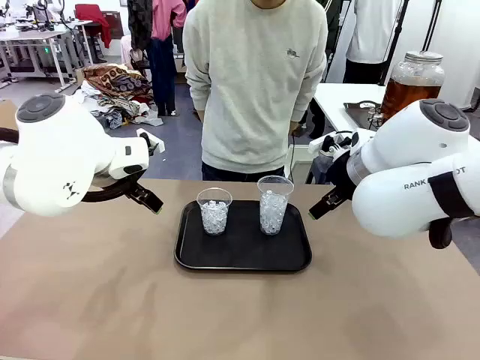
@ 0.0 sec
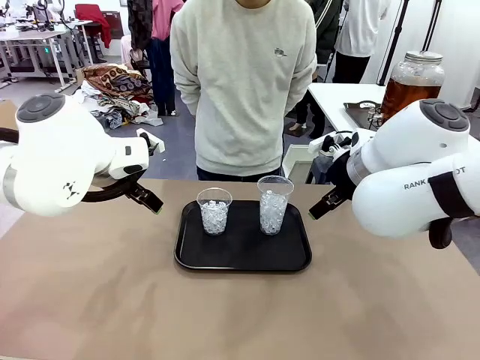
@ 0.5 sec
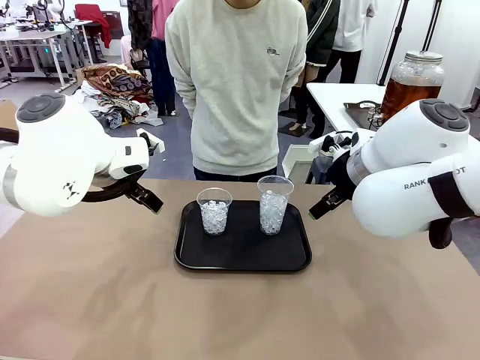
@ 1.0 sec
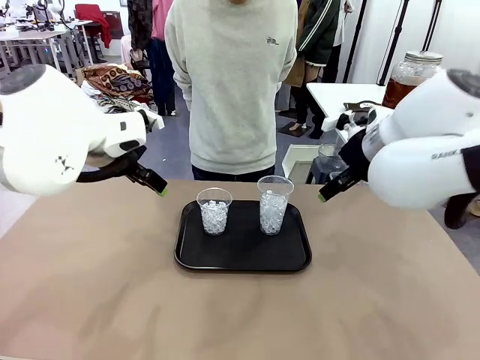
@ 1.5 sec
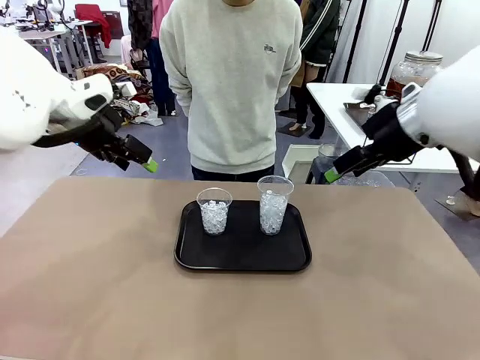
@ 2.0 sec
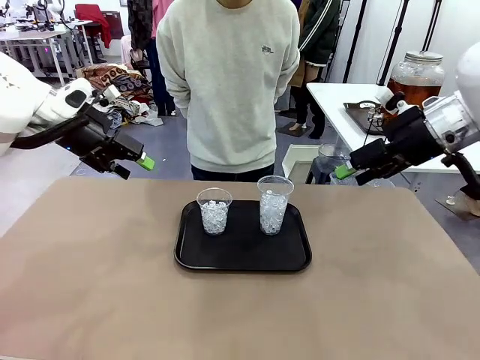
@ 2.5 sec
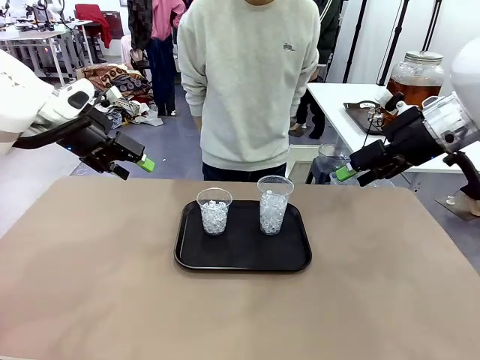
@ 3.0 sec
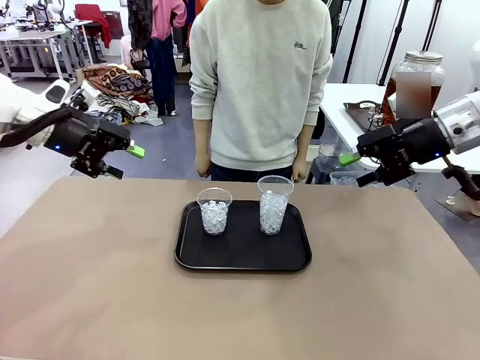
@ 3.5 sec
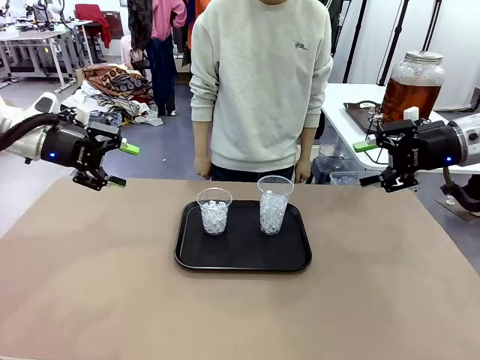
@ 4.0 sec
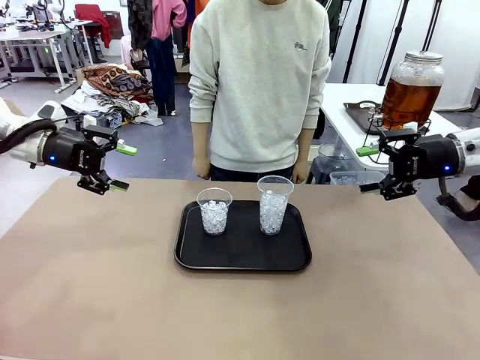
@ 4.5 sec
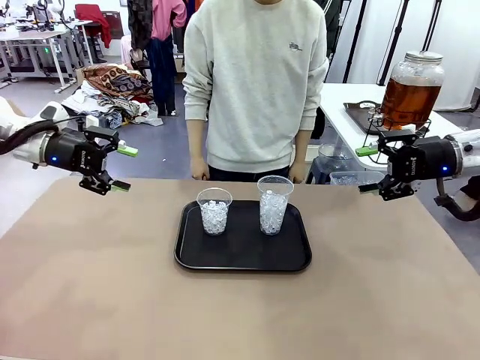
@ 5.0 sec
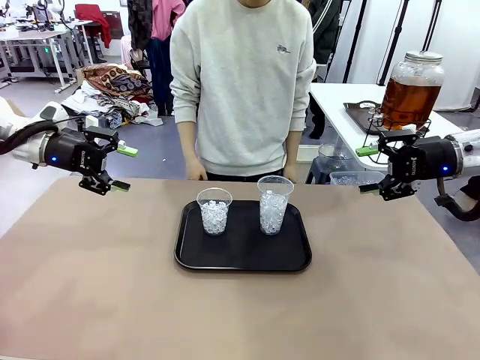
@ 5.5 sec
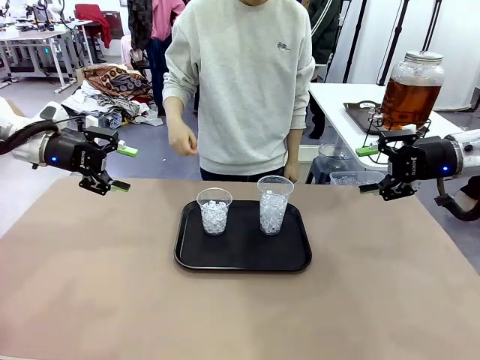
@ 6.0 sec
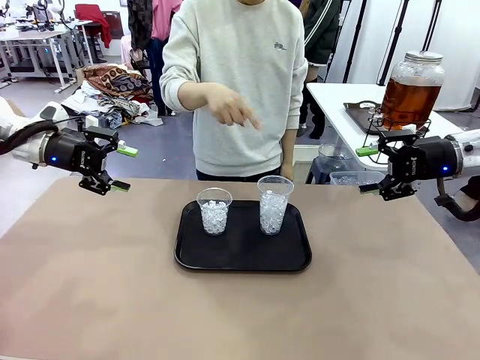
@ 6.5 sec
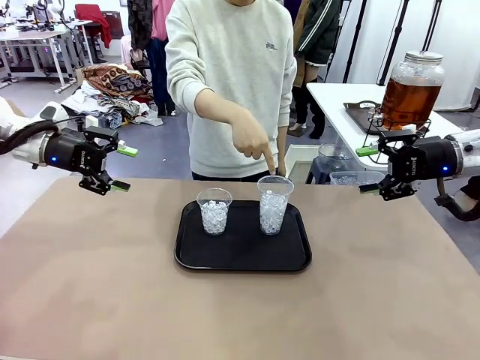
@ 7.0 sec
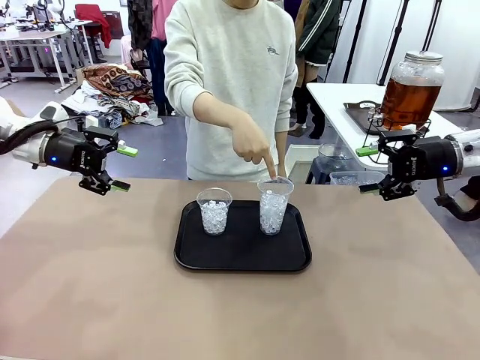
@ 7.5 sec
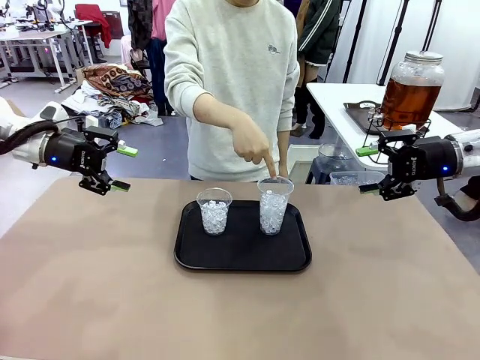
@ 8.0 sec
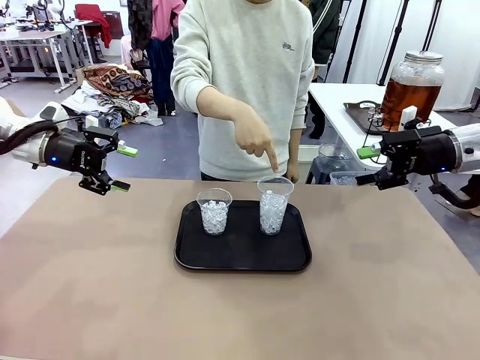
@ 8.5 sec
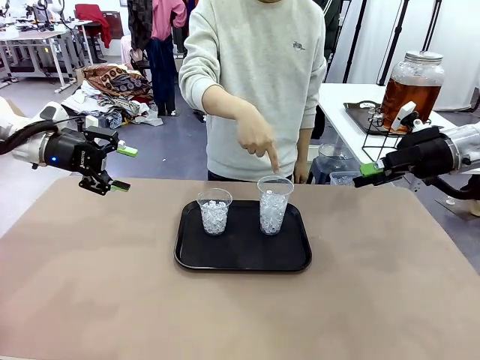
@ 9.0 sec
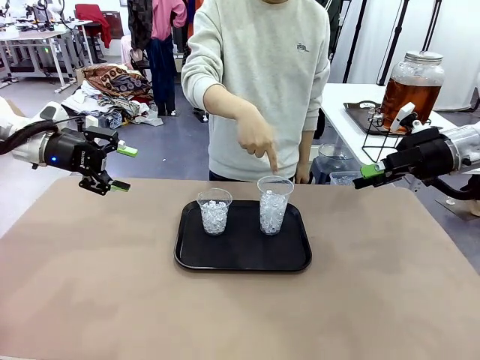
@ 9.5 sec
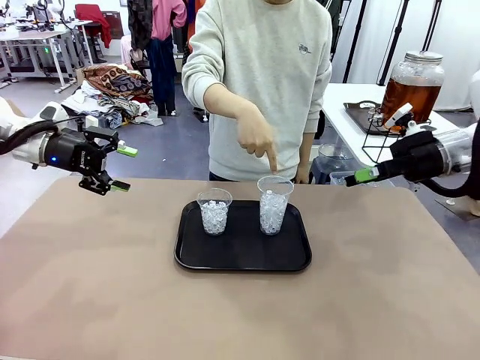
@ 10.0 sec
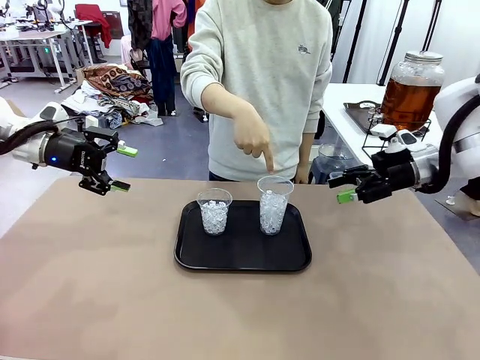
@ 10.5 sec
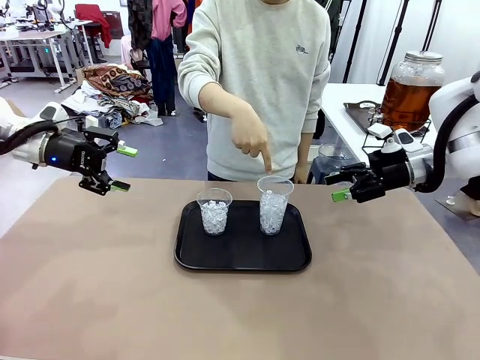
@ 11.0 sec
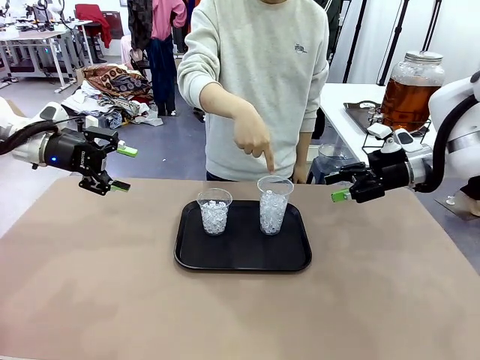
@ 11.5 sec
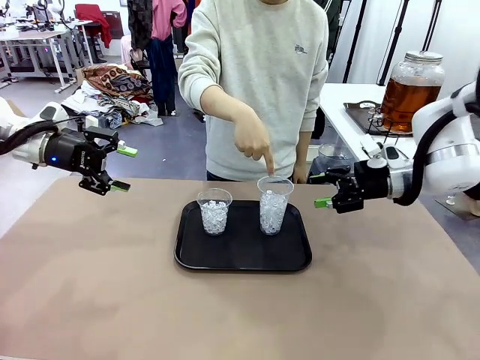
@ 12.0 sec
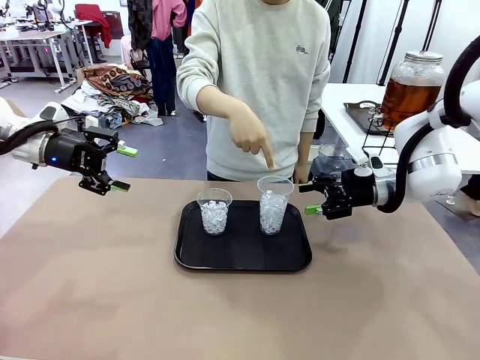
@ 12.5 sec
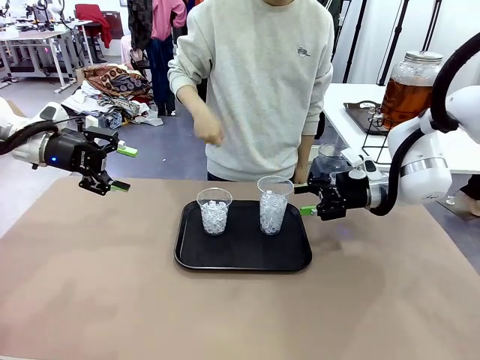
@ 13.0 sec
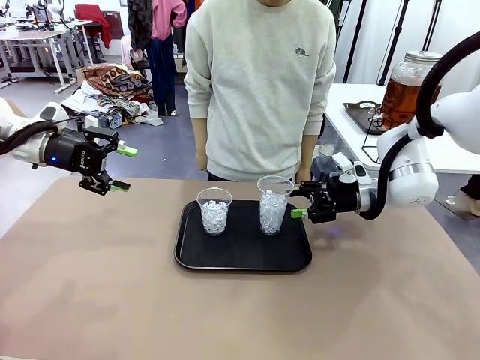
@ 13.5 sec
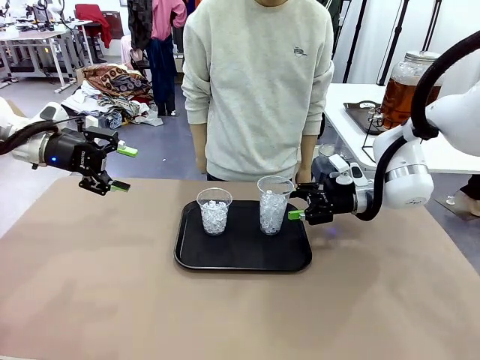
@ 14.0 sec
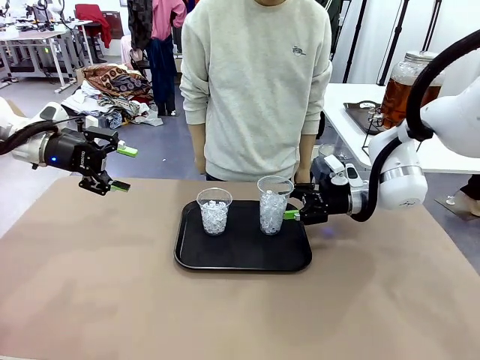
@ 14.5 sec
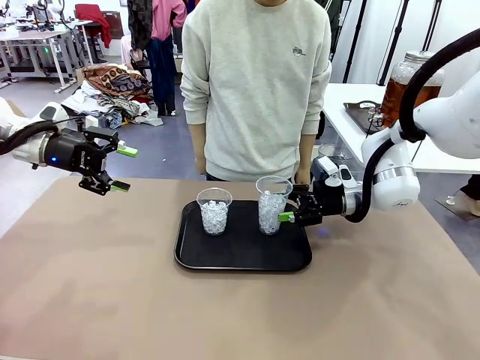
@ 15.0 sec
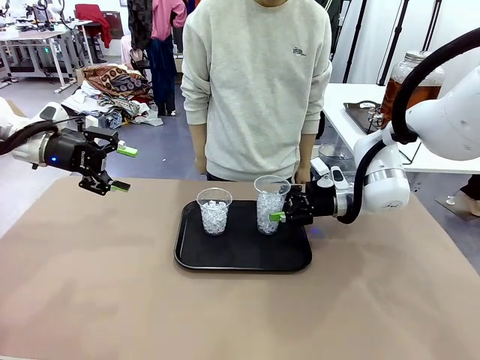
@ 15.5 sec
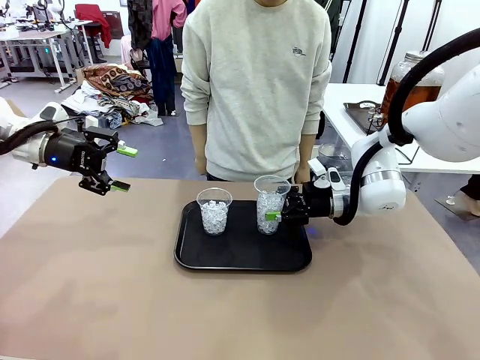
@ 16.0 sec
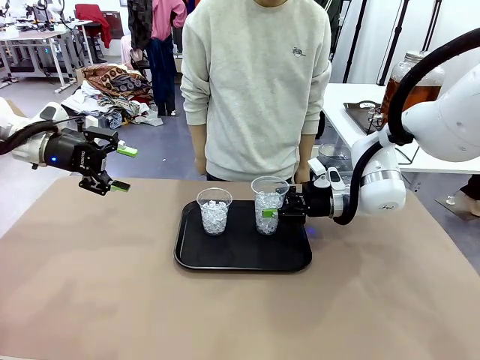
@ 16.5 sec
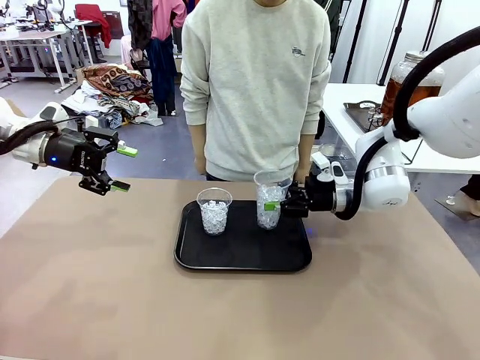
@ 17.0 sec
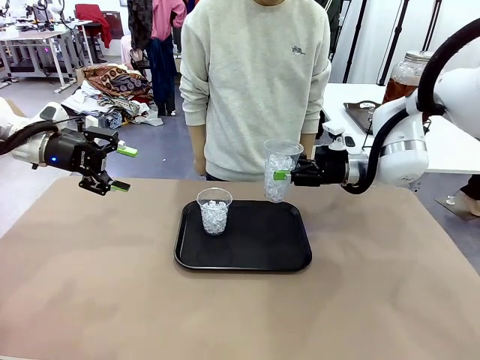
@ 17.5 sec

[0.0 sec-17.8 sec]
Task: Pour the drink into the iced cup.
Robot: Pick up the iced cup indicated by the human and present it to them.
Person: Point to one of the two ice cups. Pick up the cup offered by the robot.

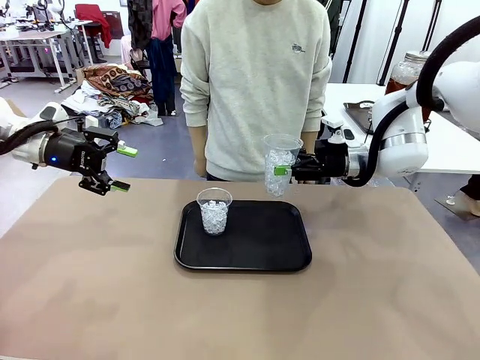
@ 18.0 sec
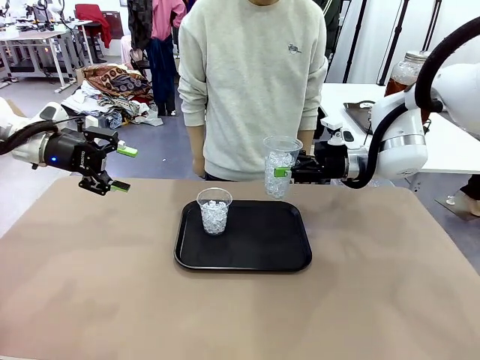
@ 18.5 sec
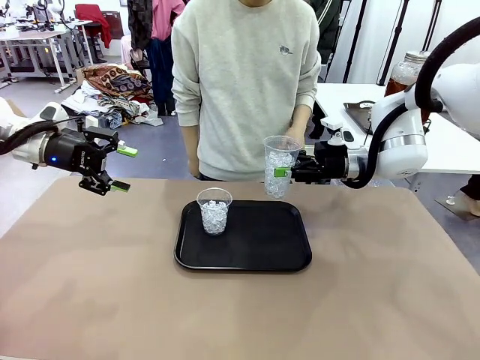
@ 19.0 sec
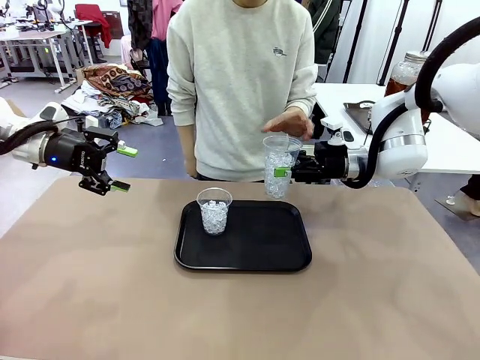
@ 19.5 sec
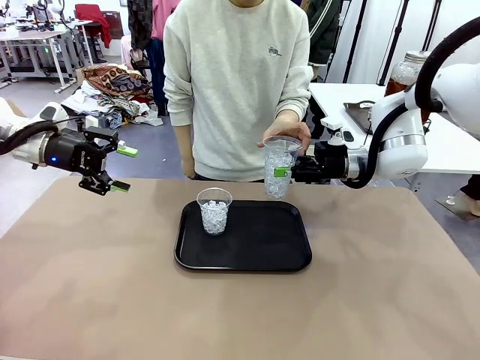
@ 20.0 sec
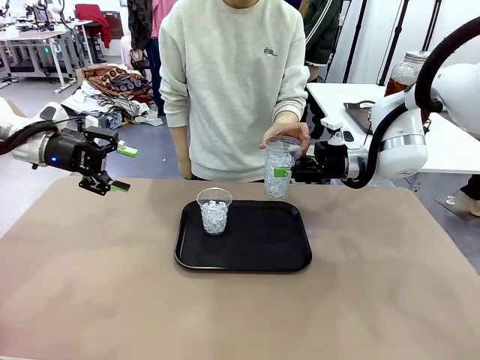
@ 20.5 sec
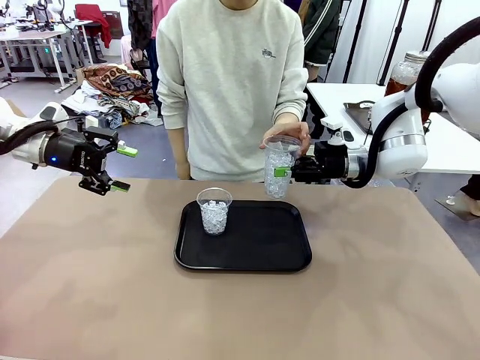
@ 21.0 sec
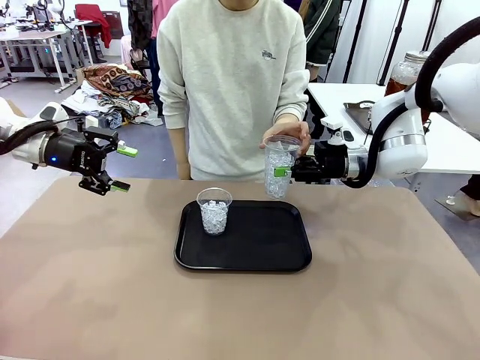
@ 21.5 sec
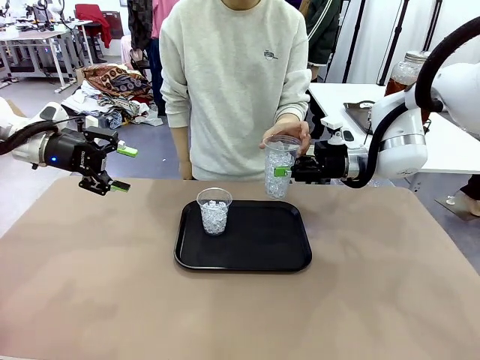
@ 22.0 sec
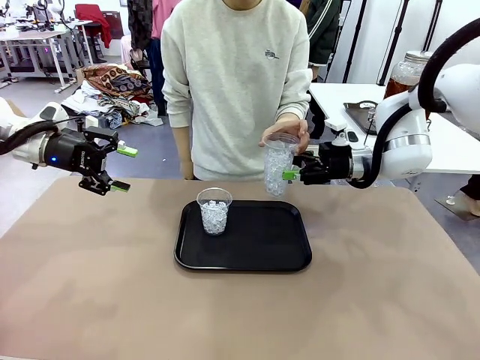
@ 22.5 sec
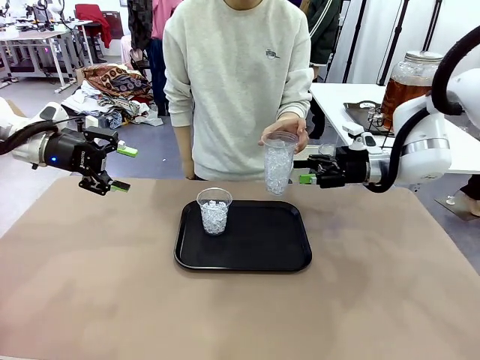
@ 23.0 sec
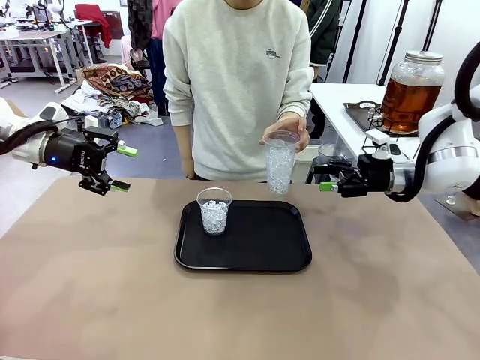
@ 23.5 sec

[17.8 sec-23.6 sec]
Robot: Open the gripper to release the iced cup you were holding.
